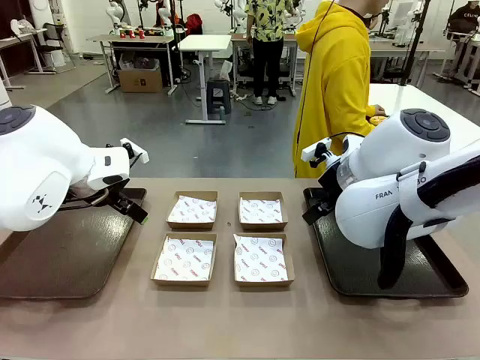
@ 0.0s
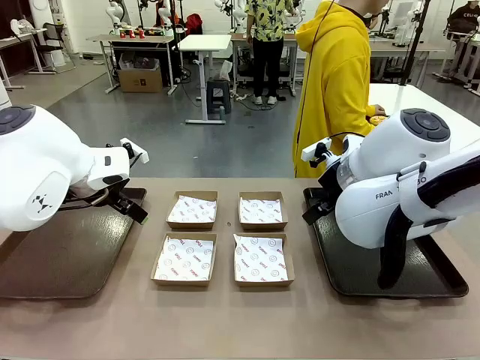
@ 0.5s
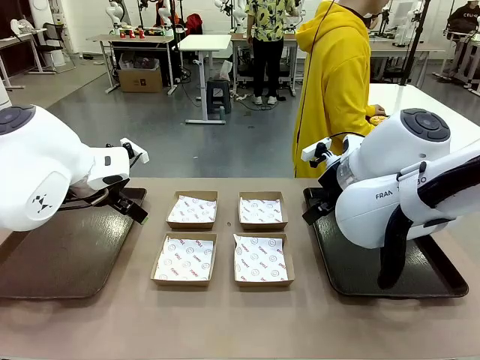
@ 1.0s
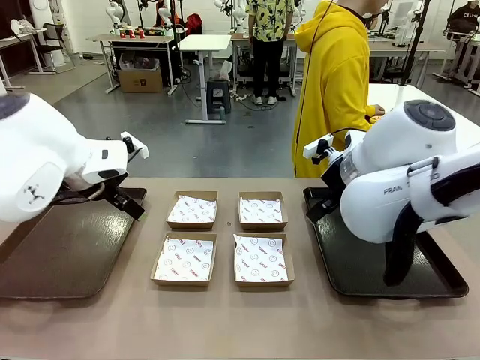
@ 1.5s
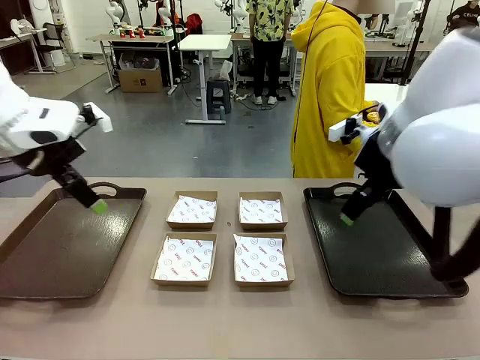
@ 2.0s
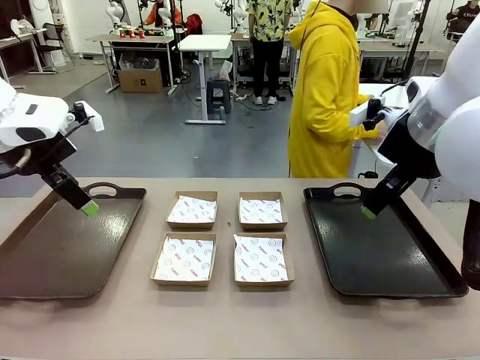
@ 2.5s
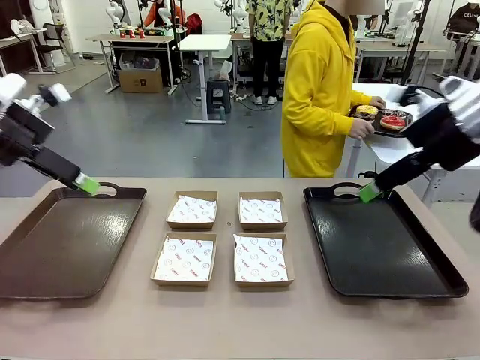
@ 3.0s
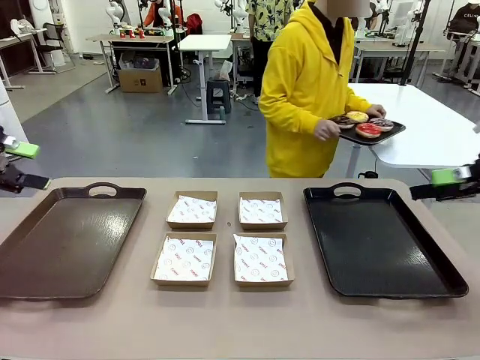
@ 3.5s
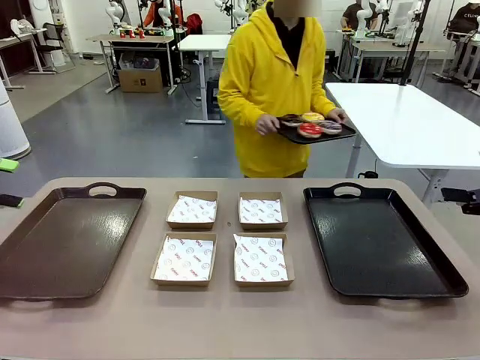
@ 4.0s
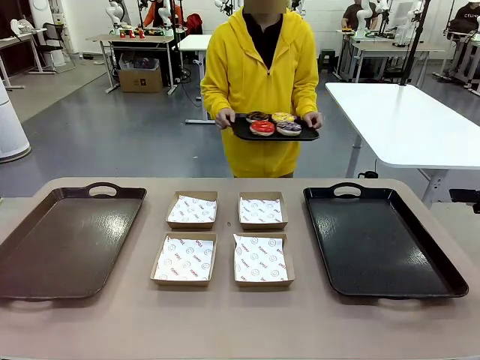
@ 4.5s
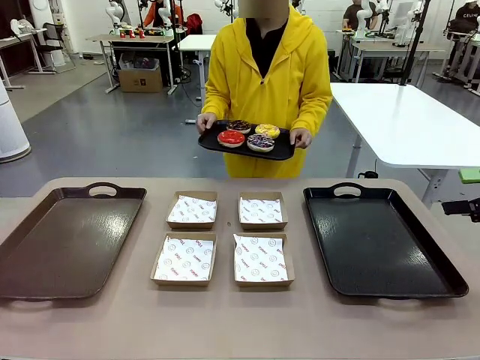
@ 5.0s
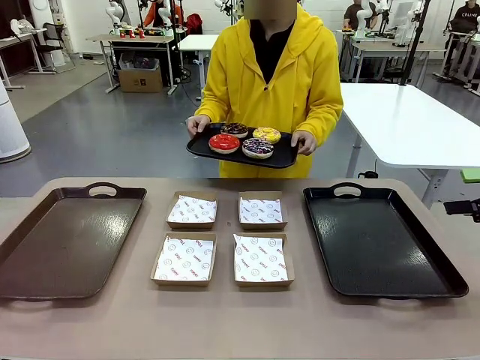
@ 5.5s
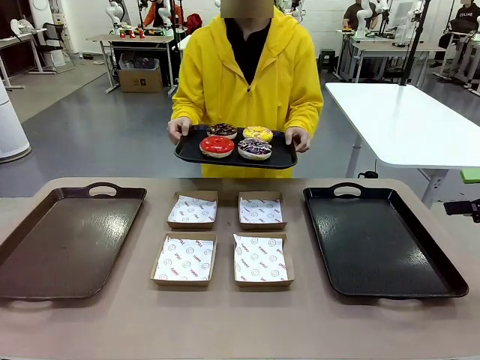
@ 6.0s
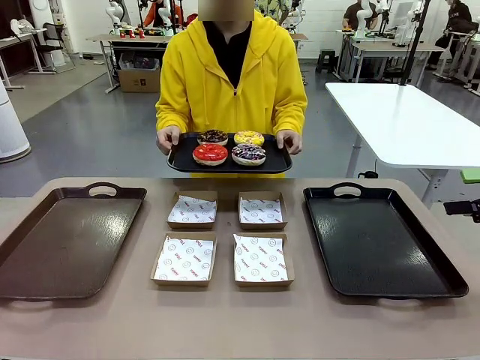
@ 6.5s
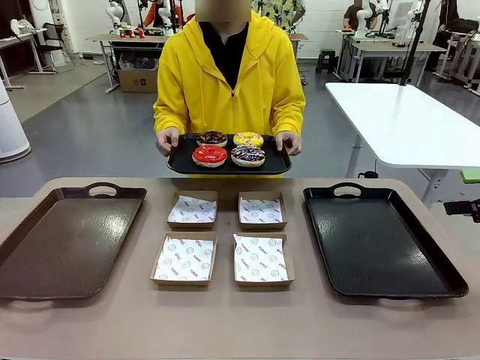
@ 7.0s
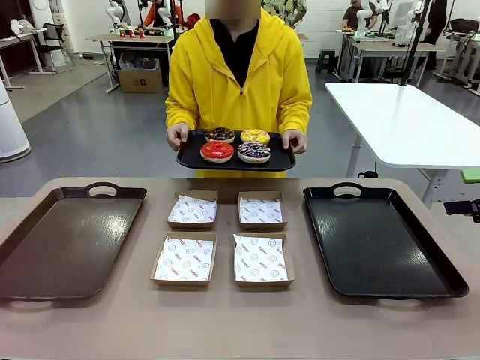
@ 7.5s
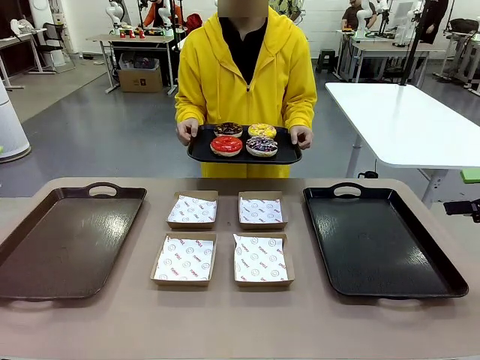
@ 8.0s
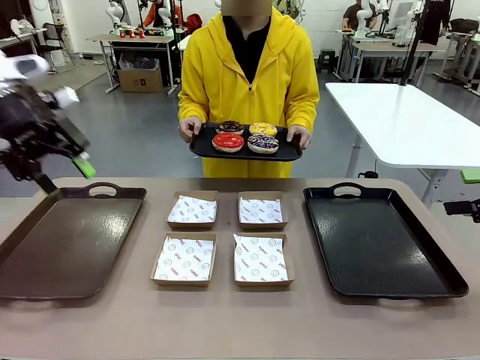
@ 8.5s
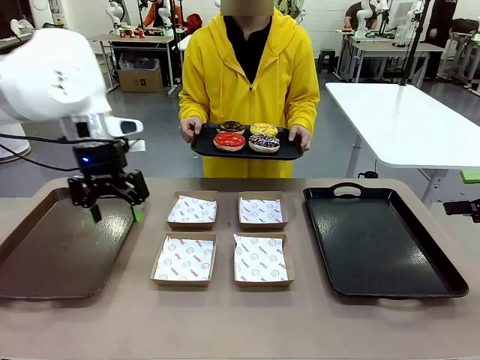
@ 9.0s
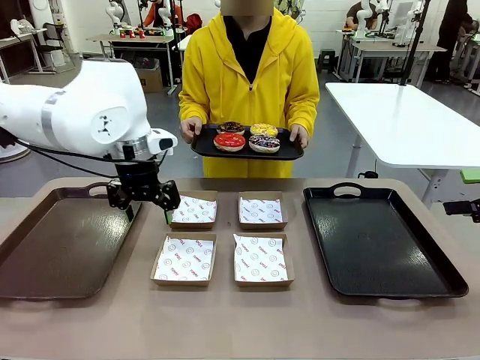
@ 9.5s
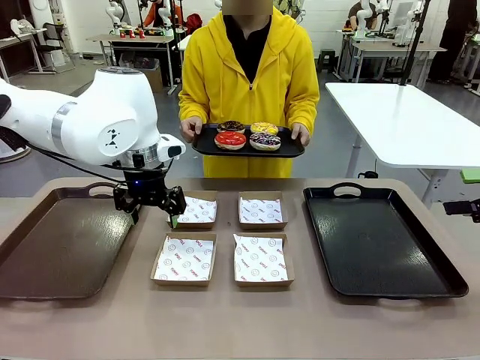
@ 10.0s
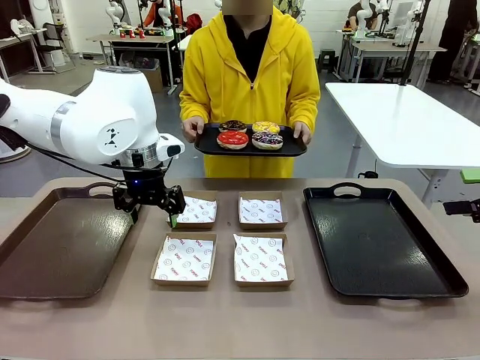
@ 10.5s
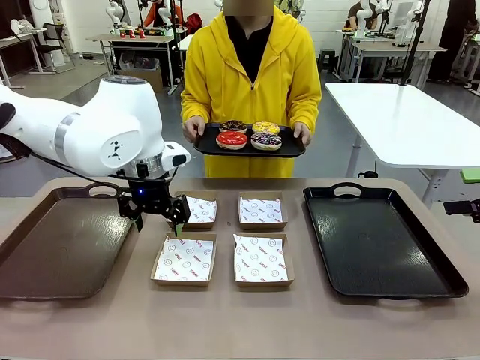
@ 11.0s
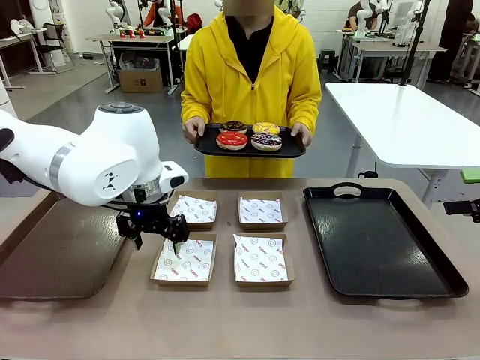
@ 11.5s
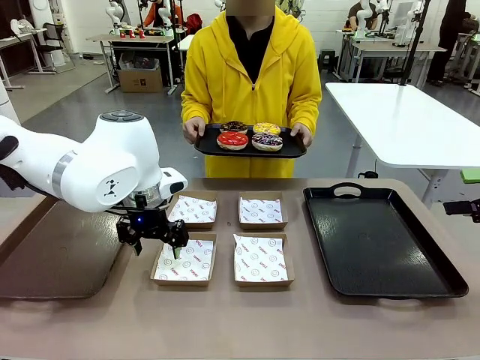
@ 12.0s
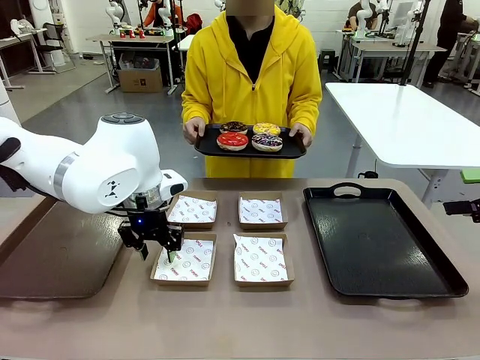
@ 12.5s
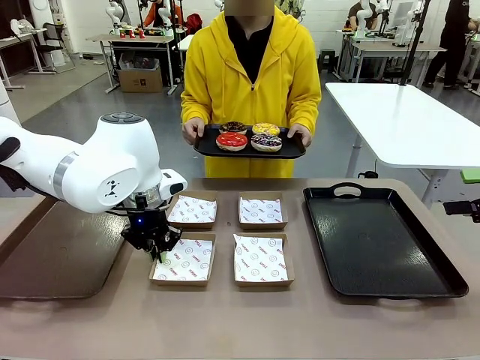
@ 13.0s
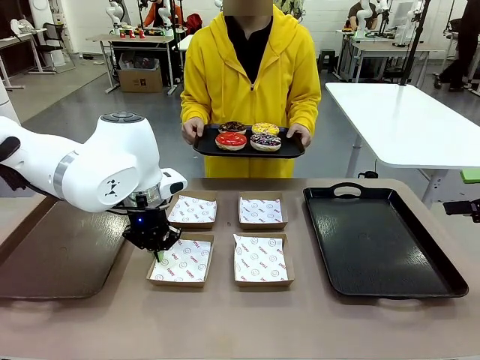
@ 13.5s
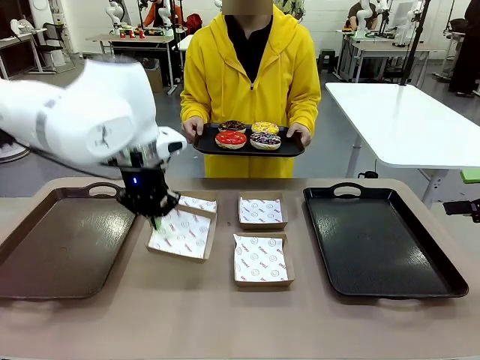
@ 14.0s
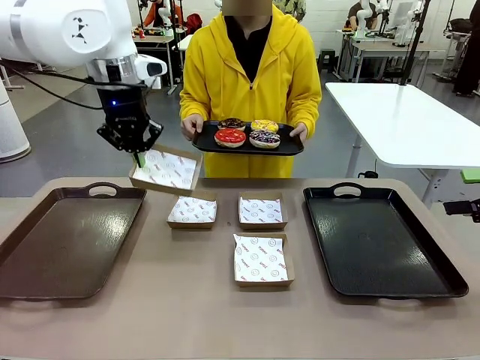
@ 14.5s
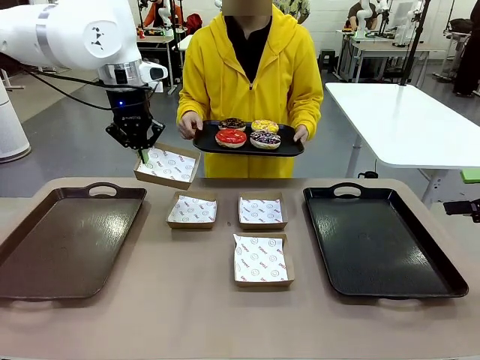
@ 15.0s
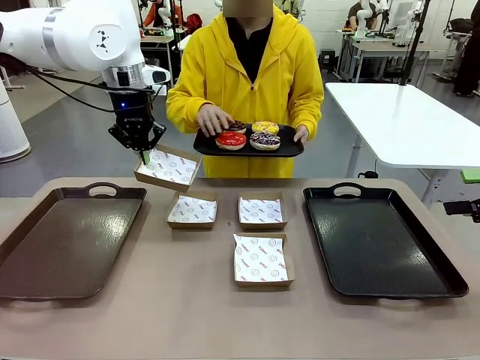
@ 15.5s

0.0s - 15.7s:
Task: Individually package the donuts and arrange them on the tray.
Robot: Pick up one Paper togo box.
Person: Stand in front of the robot table holding the tray containing the donuts.

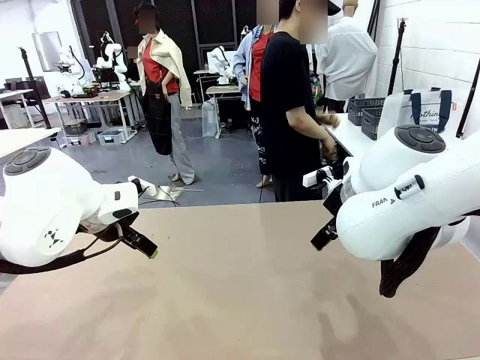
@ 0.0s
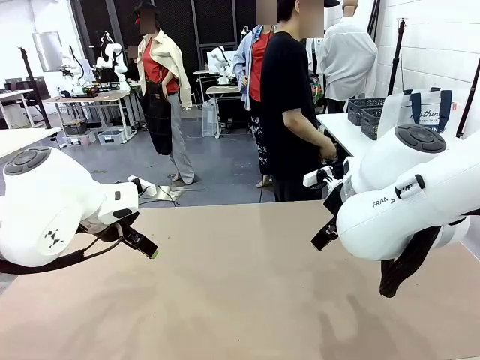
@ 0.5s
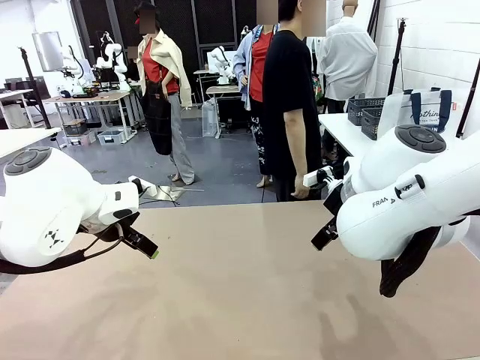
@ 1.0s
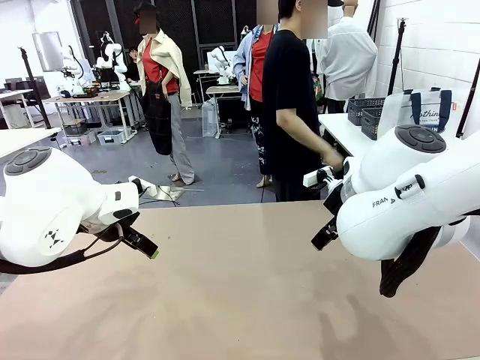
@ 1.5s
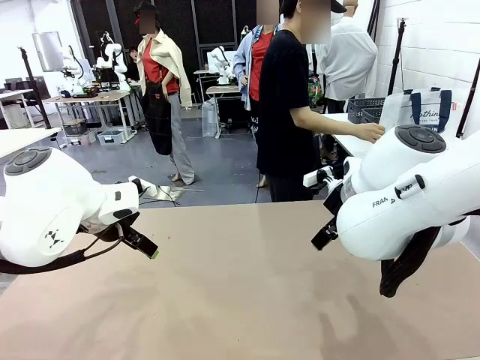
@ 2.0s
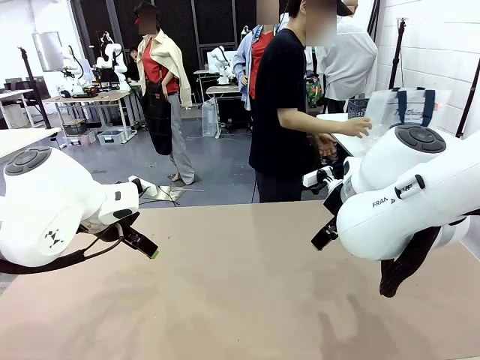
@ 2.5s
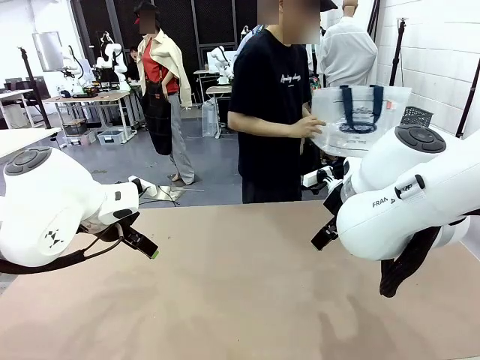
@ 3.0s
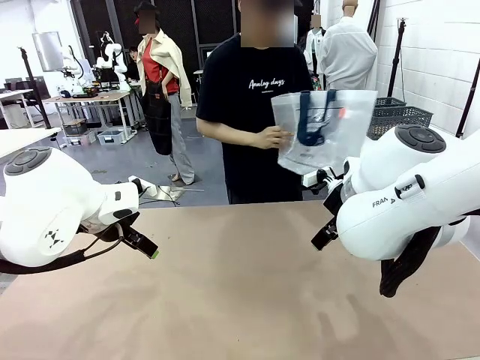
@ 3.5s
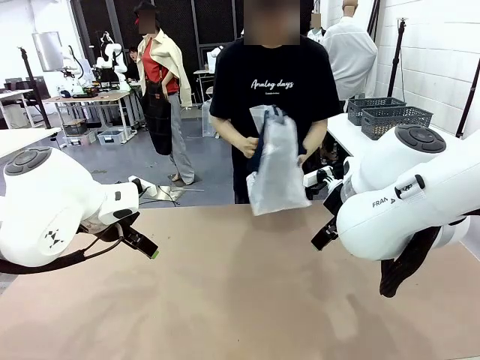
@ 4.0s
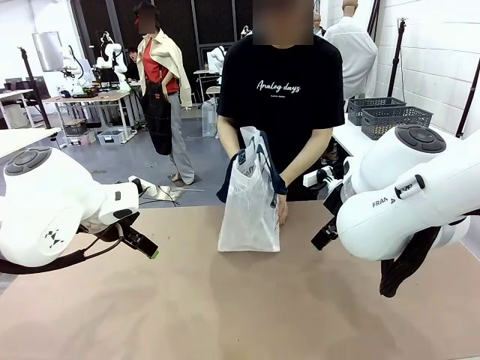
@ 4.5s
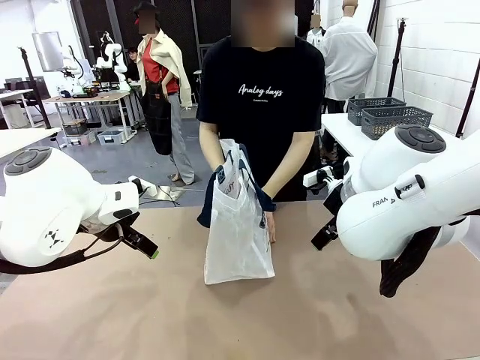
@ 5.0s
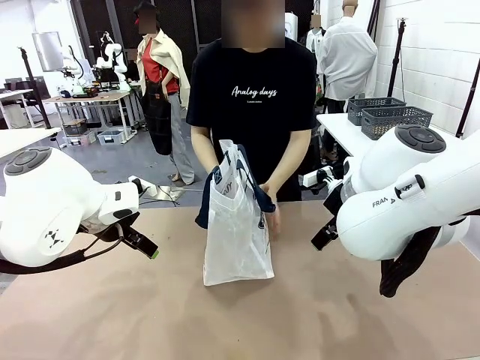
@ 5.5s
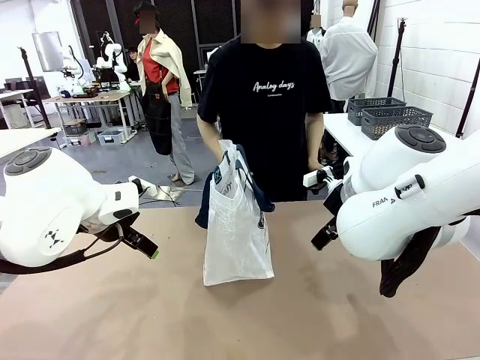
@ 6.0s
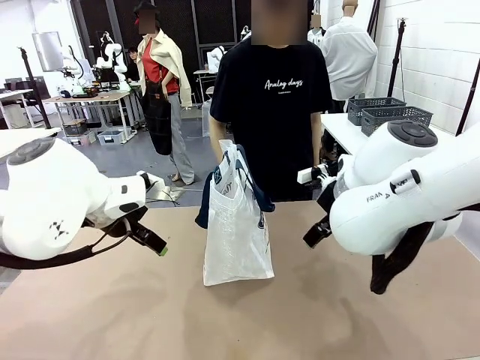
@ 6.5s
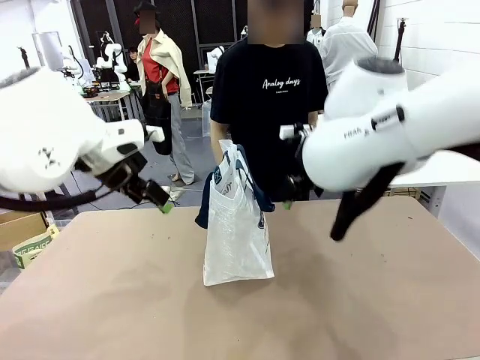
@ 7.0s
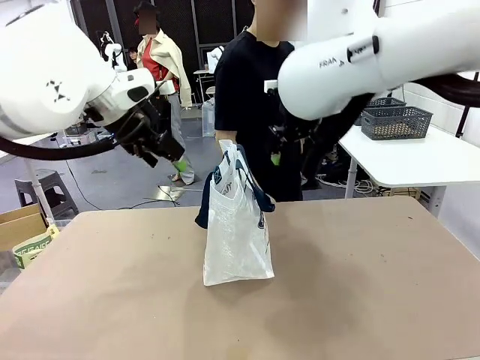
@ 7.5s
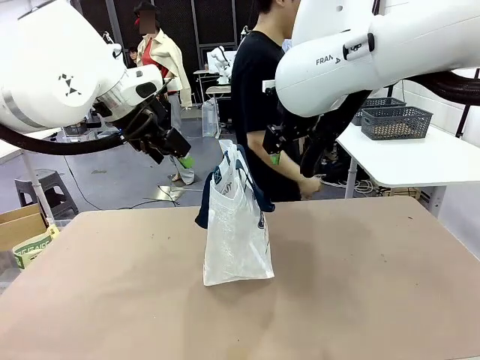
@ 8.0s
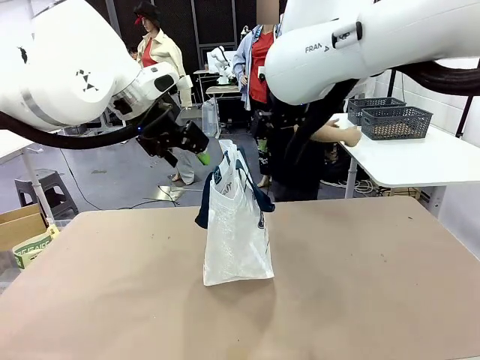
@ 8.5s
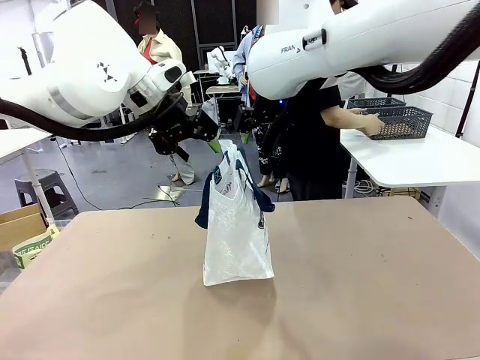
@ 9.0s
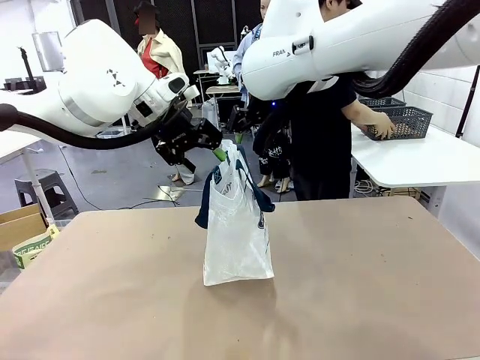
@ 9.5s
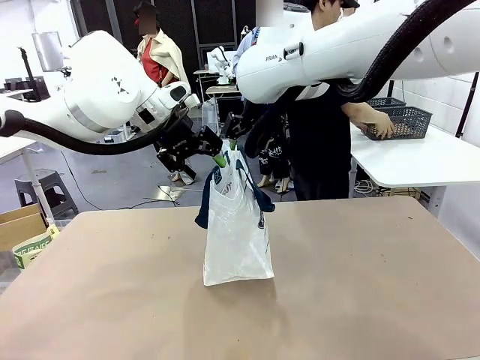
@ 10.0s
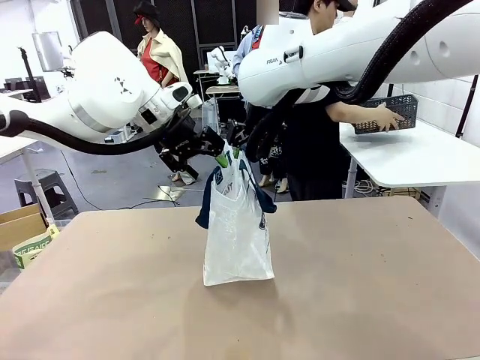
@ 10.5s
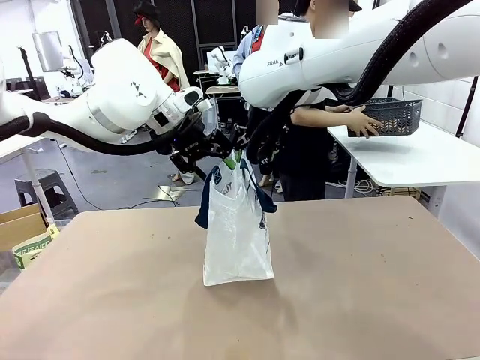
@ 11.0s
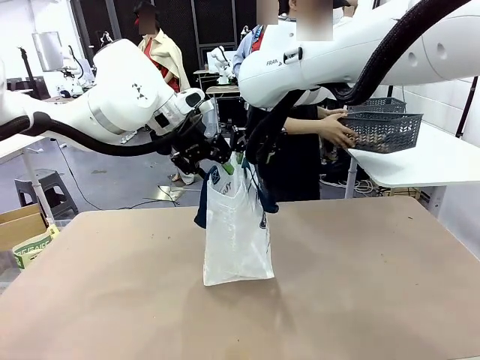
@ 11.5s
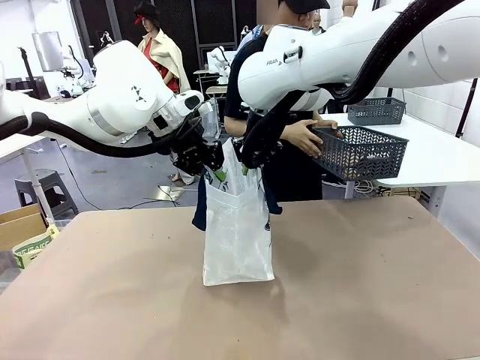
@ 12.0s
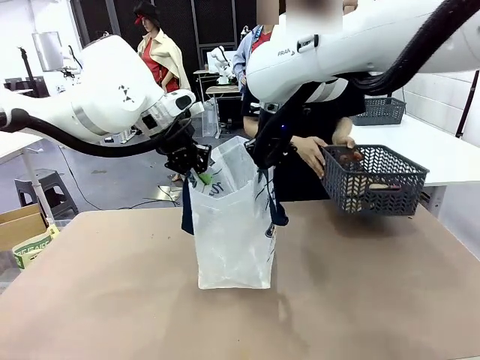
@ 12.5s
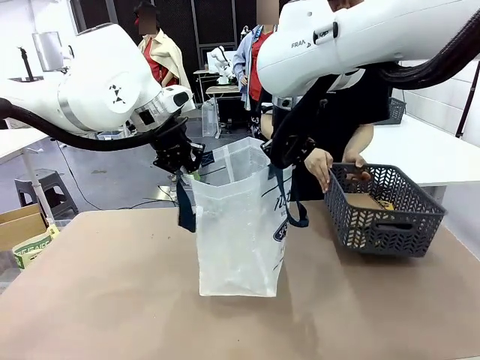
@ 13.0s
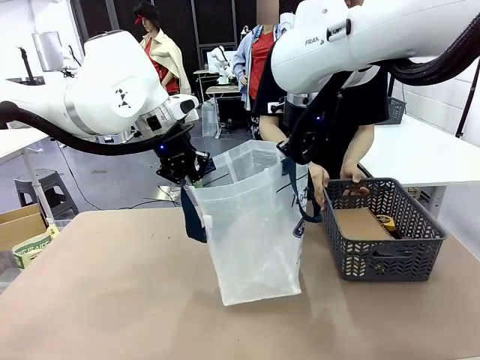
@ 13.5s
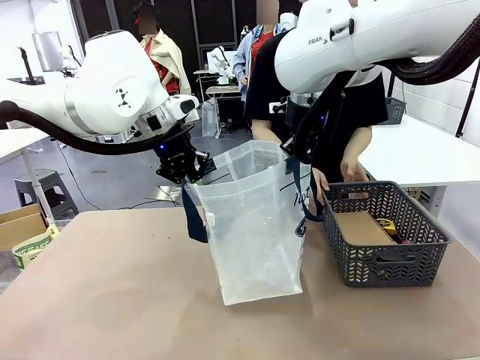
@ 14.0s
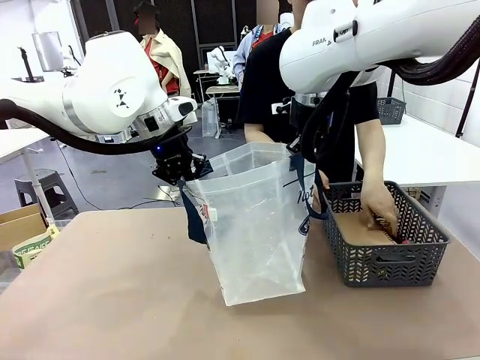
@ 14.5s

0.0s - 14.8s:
Task: Transfer purchased items from the store into the shopping bag.
Robot: Open the Reusable shopping bag in the center of the table.
Person: Pick up the shopping bag and place it in the middle of the robot table.
